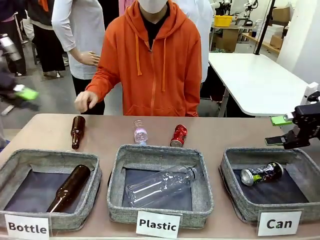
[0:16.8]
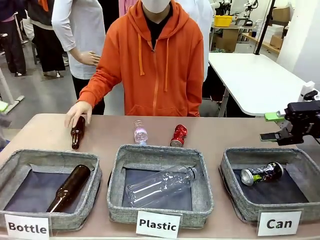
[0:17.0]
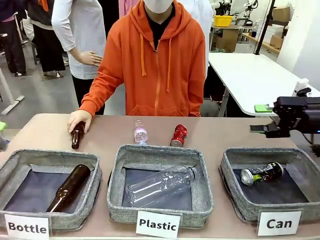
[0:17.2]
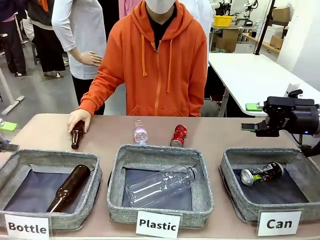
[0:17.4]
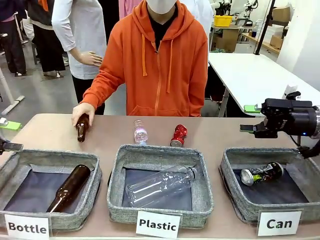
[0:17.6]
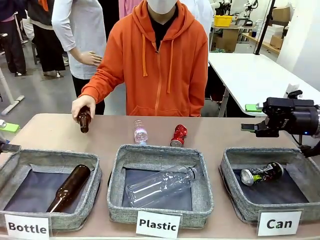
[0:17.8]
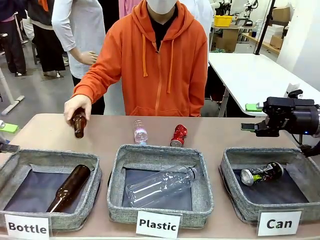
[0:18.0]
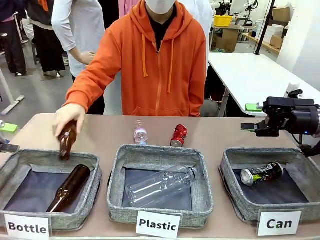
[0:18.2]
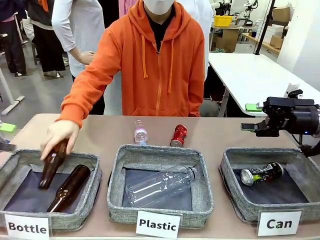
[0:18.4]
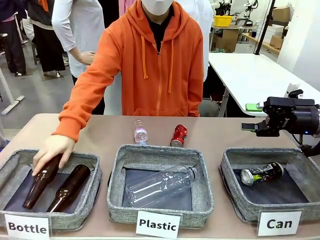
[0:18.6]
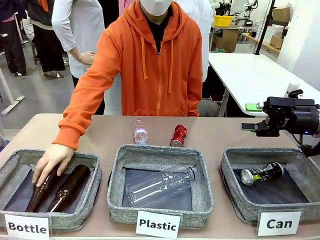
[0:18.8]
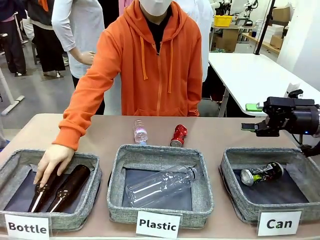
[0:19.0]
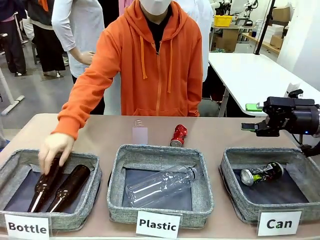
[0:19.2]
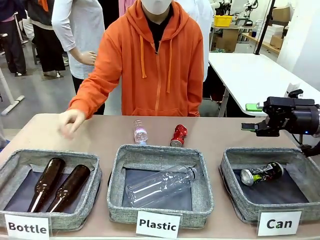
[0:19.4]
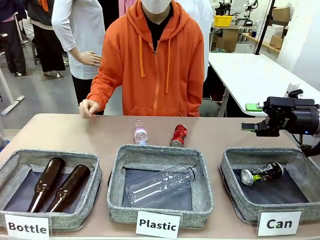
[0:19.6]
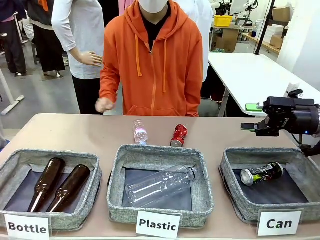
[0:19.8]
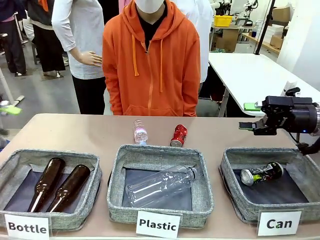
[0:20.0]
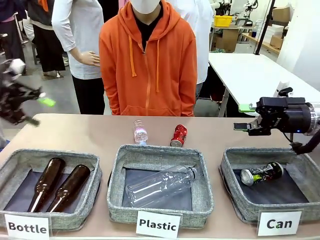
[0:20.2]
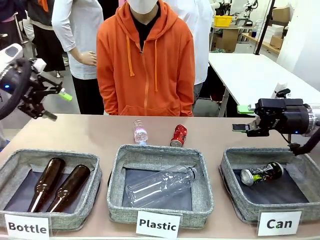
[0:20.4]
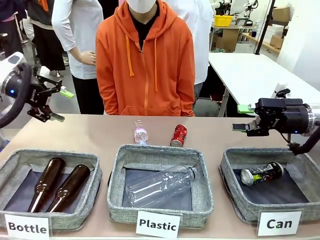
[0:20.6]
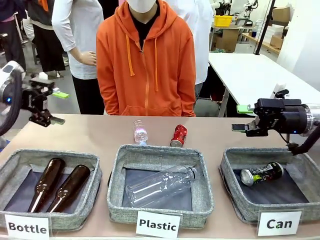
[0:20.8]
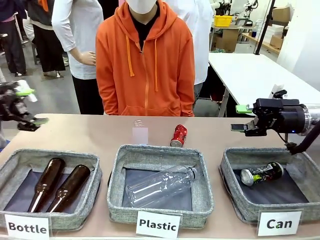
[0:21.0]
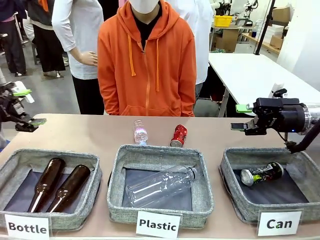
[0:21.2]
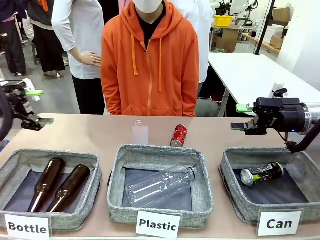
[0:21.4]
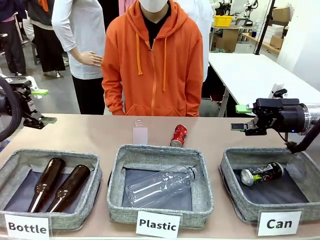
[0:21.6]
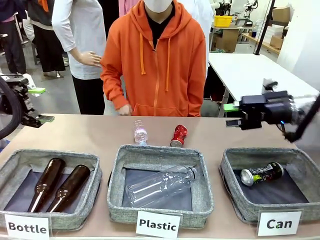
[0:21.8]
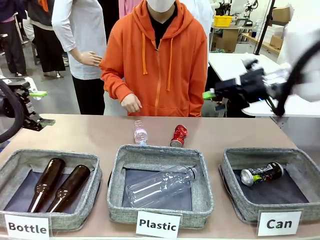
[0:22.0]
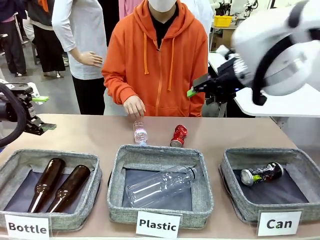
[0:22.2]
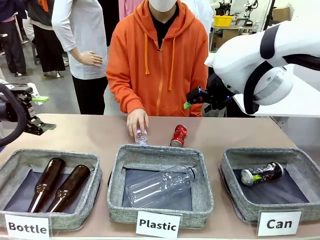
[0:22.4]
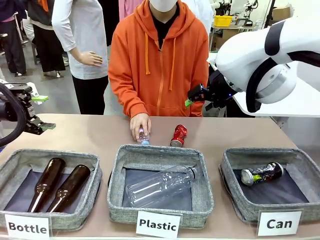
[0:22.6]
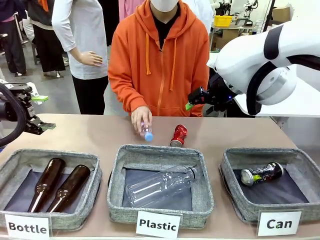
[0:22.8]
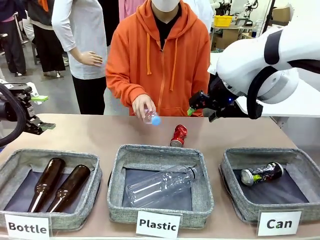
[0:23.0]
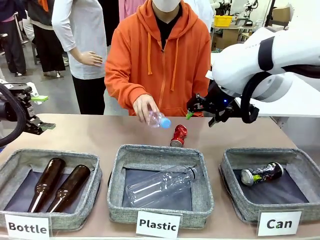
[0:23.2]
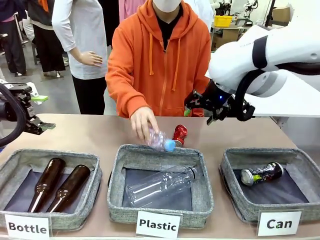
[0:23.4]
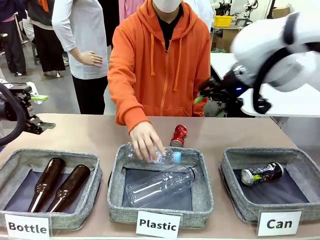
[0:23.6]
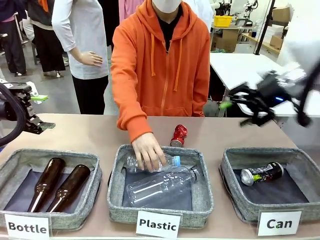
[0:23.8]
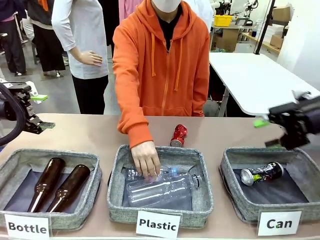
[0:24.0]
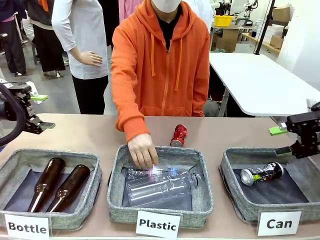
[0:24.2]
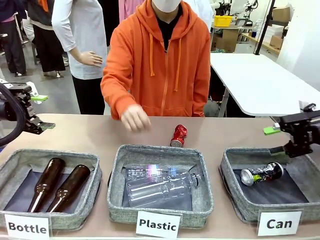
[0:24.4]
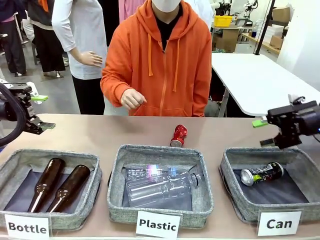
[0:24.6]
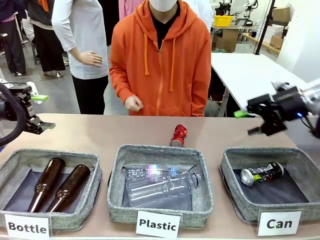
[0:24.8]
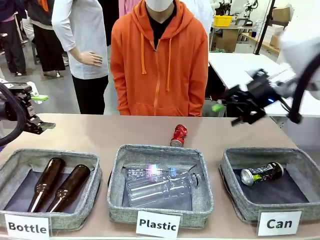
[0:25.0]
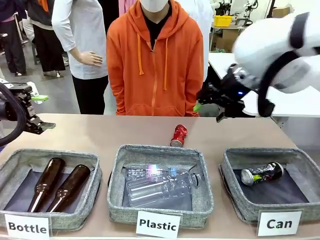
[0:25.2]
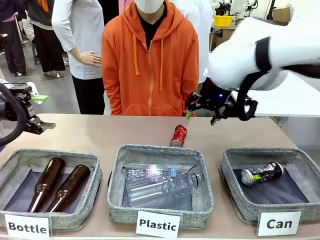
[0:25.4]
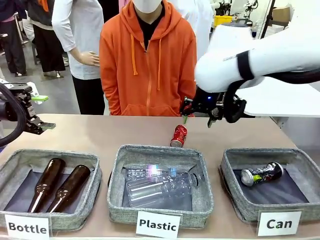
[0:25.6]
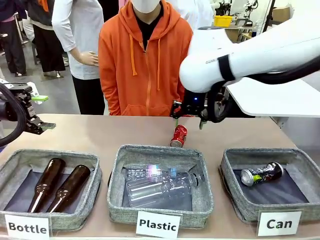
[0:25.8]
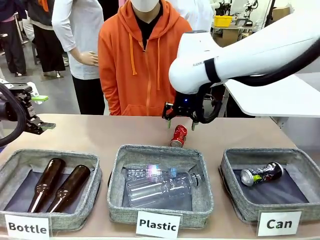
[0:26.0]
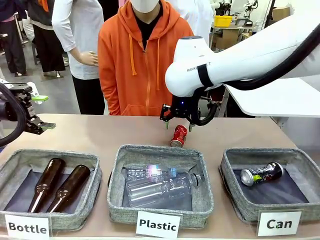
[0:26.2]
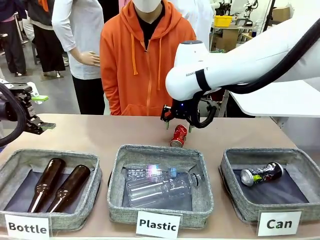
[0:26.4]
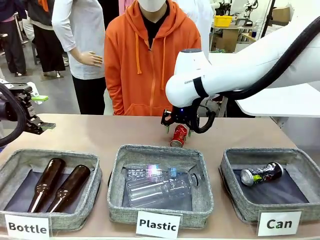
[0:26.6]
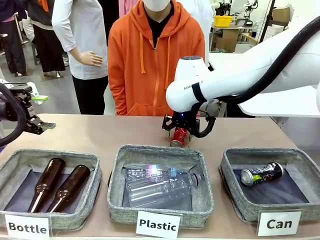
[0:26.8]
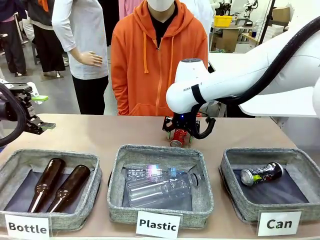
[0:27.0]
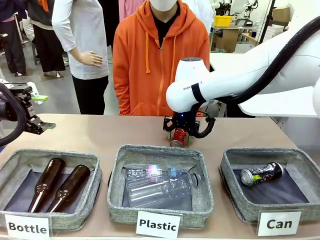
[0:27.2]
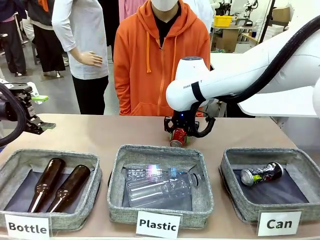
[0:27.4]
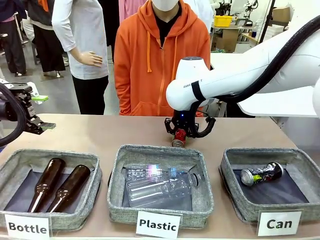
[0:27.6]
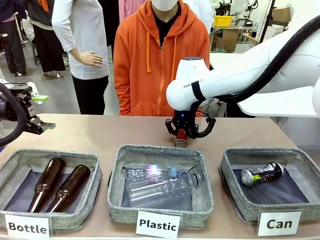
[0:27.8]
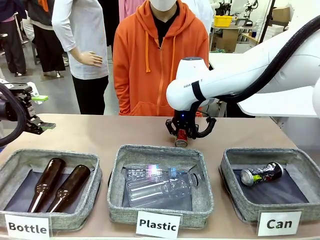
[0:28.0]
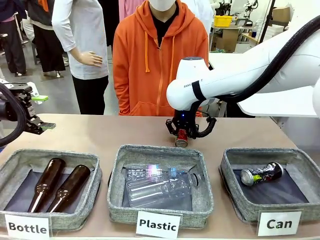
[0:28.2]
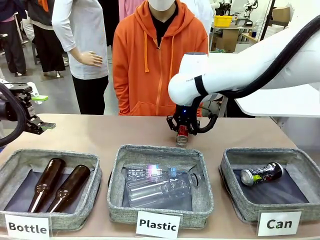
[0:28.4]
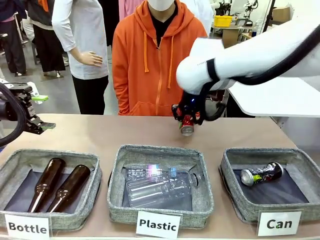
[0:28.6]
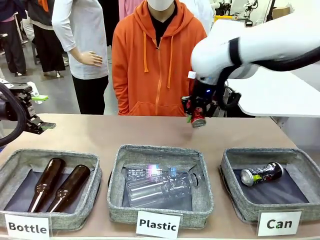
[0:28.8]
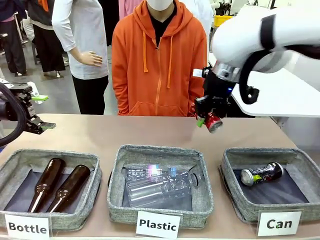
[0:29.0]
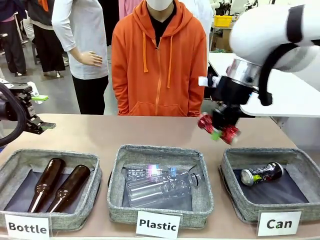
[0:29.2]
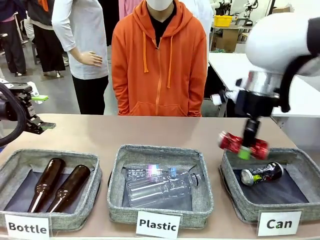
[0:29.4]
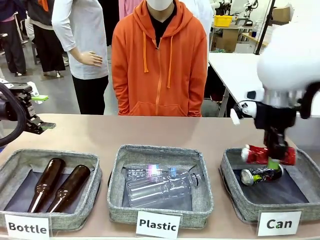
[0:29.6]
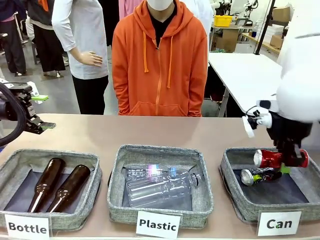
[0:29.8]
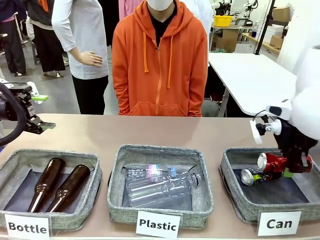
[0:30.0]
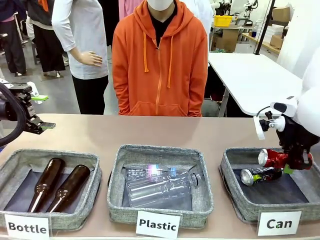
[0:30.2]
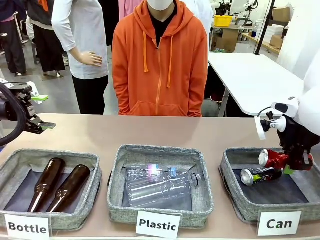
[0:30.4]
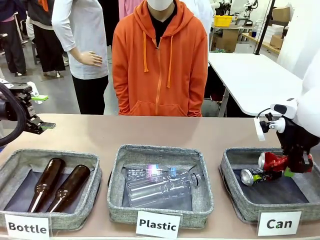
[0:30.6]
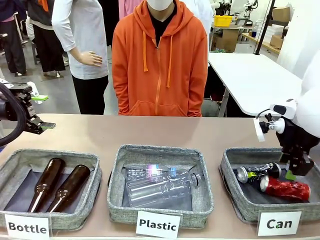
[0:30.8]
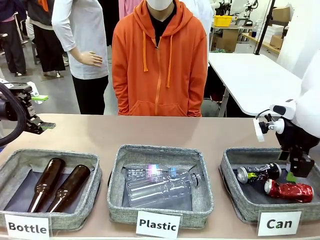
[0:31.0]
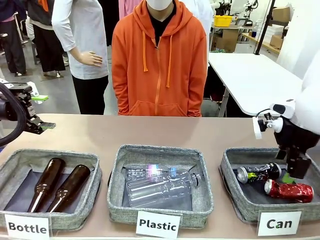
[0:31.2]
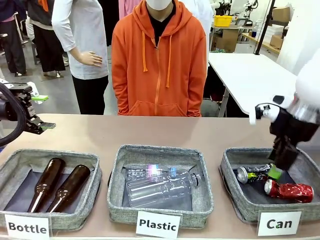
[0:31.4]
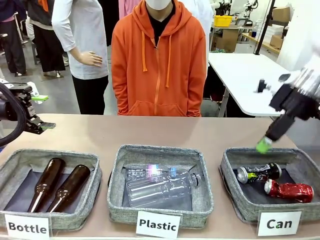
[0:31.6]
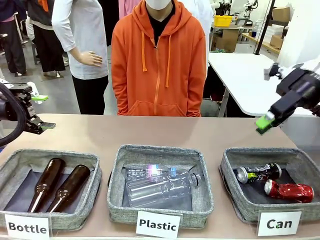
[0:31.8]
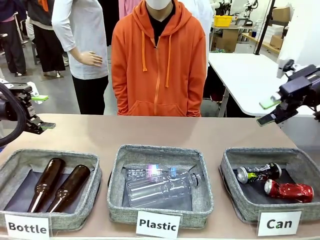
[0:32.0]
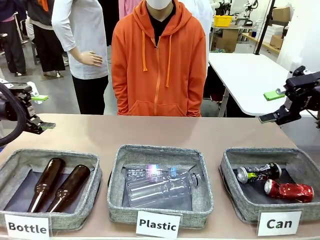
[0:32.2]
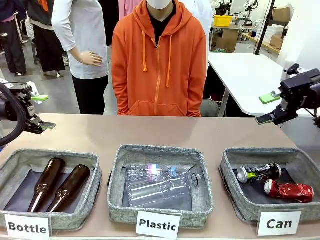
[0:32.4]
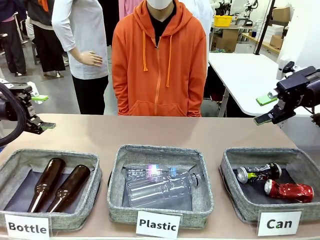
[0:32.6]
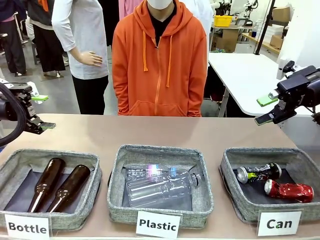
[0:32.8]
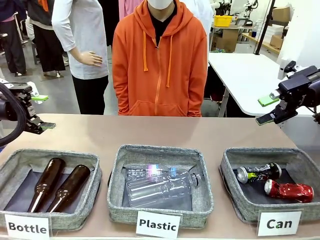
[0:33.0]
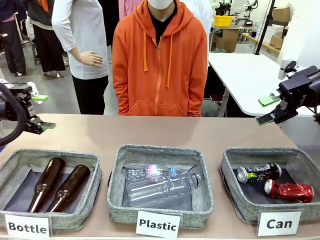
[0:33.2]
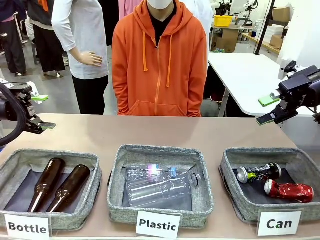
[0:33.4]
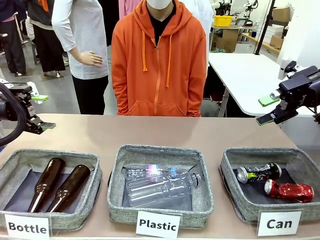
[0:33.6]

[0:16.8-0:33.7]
Task: Sort the can waste into the basket.
Robot: Pick up the can waste from the table and place it in the right Fabric basket.
Person: The human picks up one piece of trash that is not a can and places the trash into the appropriate organizing basket.
